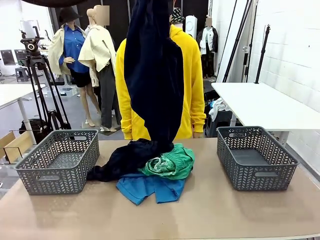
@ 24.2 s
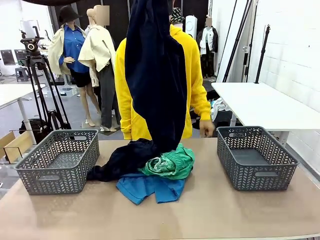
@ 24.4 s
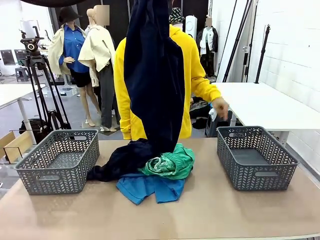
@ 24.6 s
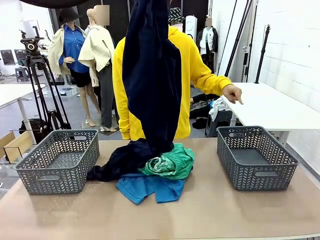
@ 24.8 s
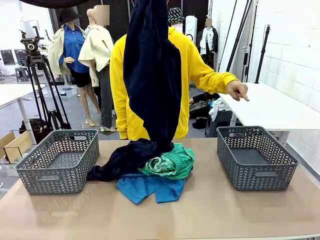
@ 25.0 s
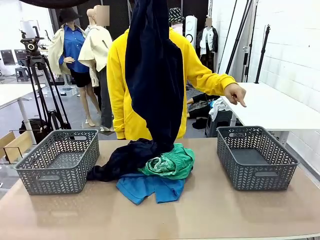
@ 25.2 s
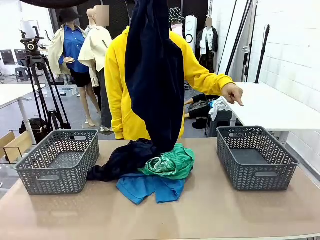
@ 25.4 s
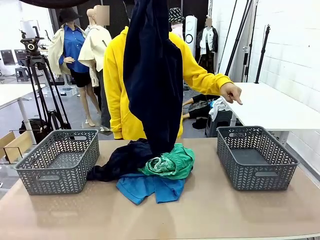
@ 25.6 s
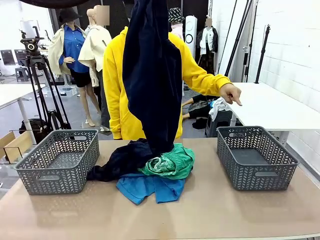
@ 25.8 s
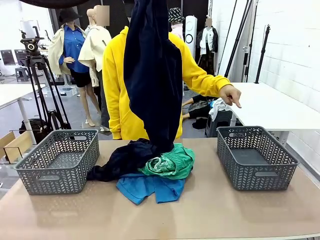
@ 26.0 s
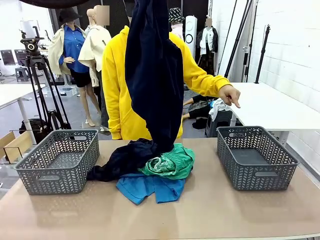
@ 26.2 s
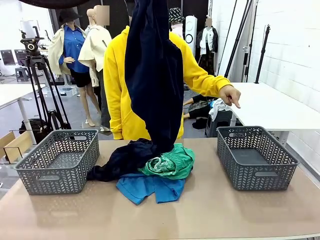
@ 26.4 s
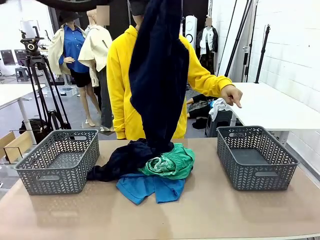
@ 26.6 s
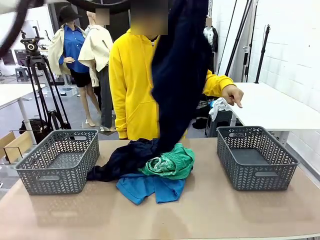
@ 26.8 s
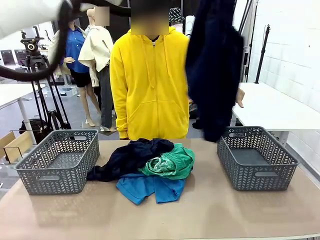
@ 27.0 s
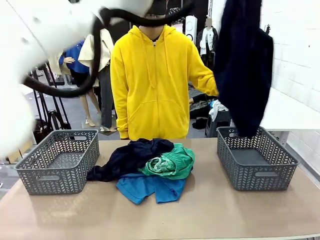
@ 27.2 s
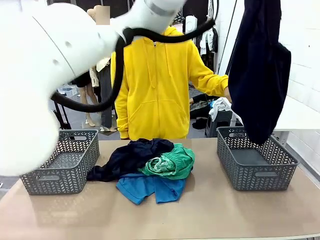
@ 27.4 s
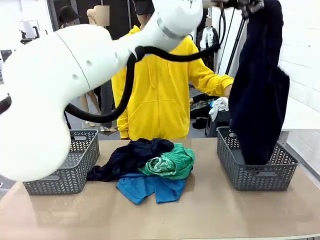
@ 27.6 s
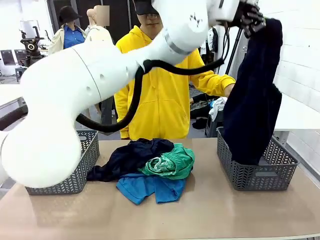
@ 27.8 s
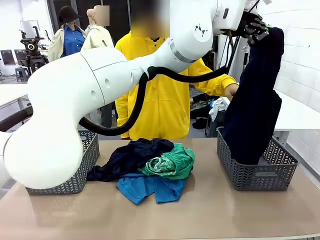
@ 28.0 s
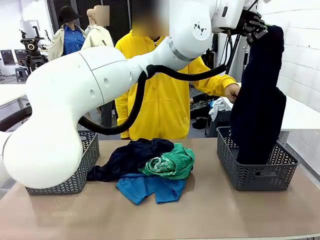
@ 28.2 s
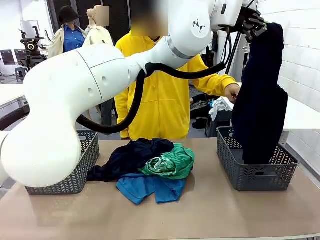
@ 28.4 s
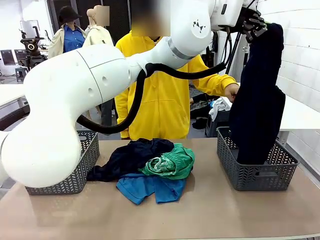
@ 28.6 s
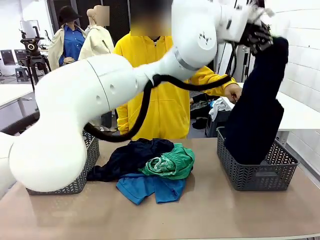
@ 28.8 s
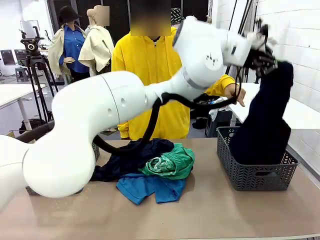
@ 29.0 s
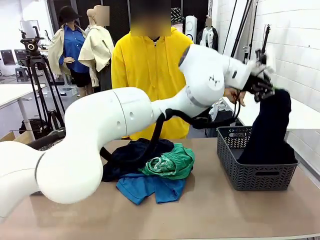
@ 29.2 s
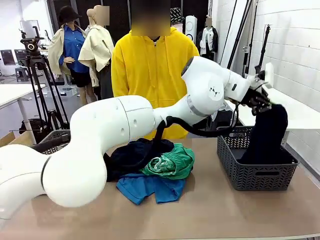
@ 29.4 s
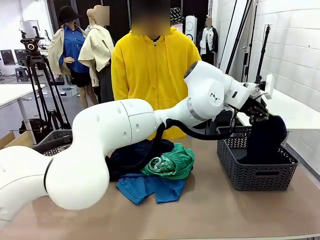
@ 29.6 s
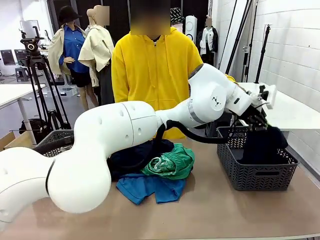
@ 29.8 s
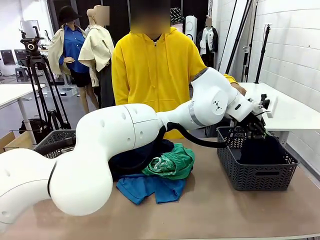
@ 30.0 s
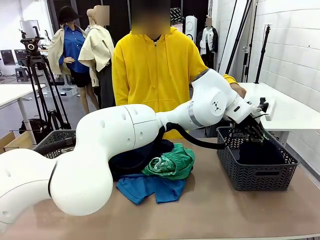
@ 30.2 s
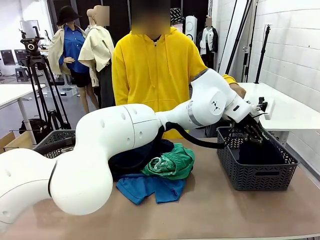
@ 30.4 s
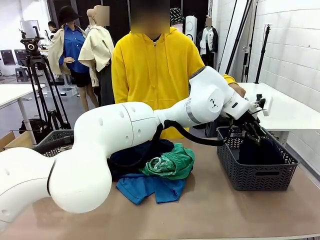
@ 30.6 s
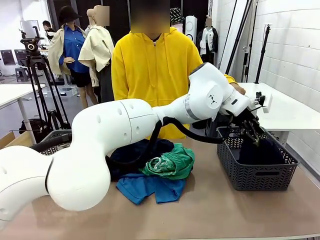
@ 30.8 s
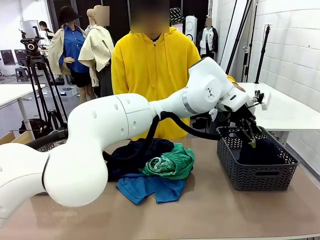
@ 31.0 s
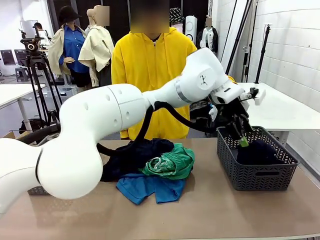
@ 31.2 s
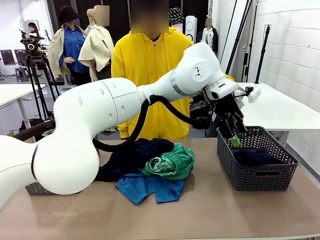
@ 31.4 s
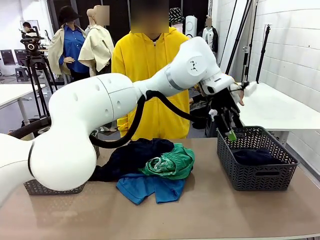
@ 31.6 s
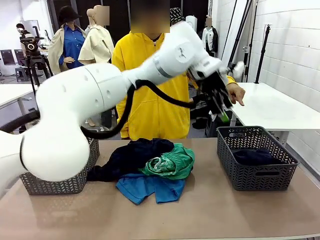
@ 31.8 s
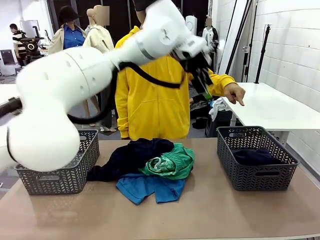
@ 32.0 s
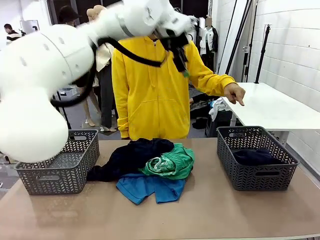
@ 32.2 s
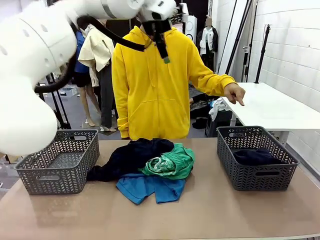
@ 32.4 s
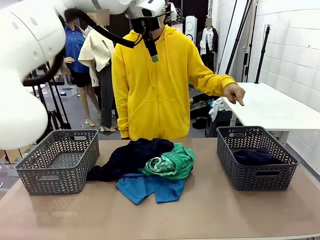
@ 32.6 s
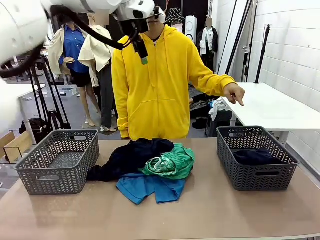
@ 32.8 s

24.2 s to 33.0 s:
Task: Sort the tops and bottoms.
Robot: Sort the clothes according to human instructions.

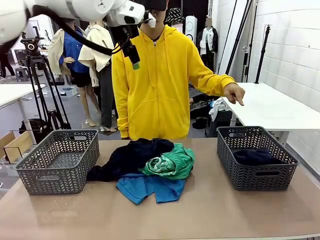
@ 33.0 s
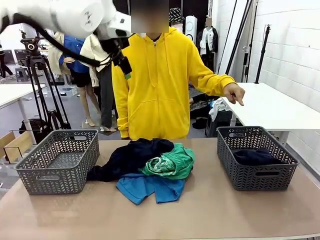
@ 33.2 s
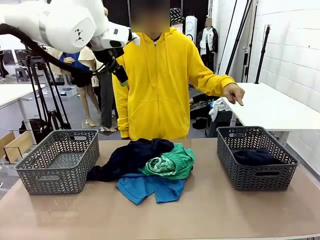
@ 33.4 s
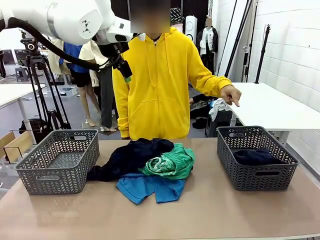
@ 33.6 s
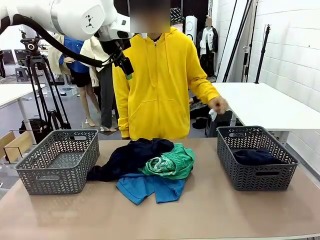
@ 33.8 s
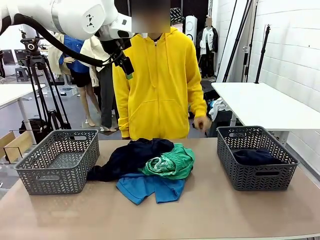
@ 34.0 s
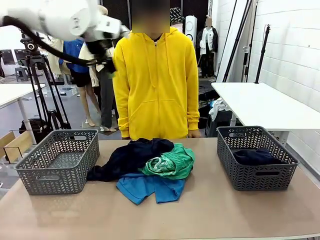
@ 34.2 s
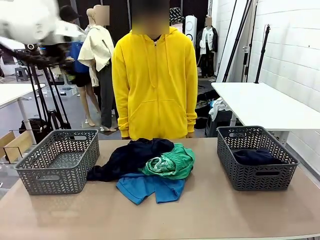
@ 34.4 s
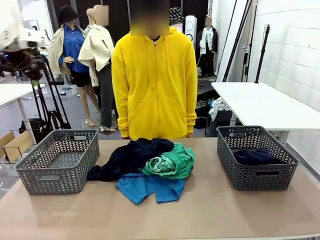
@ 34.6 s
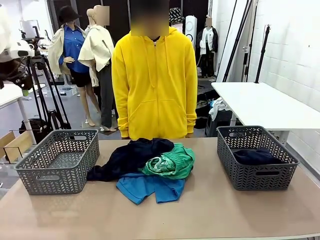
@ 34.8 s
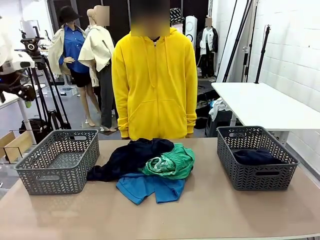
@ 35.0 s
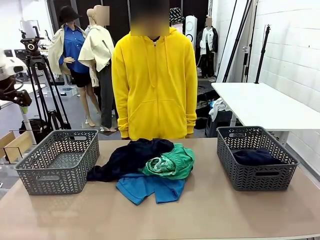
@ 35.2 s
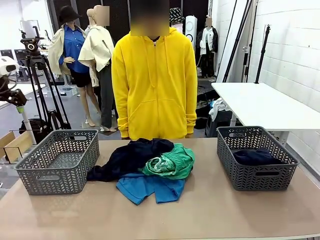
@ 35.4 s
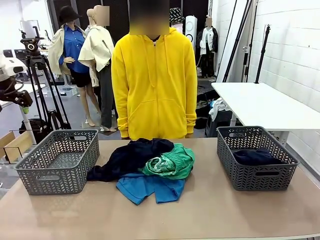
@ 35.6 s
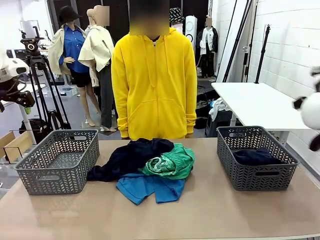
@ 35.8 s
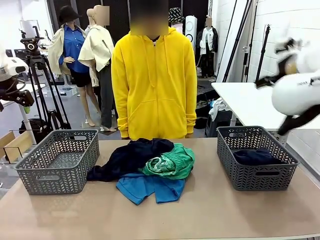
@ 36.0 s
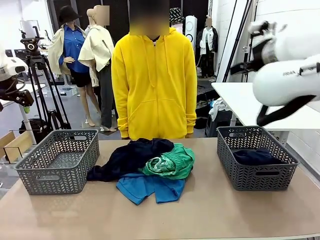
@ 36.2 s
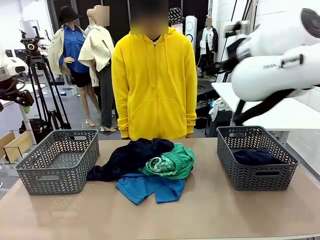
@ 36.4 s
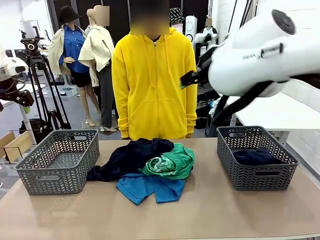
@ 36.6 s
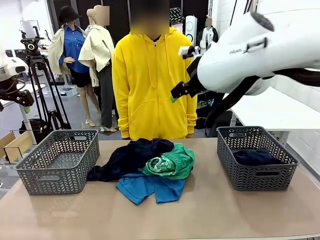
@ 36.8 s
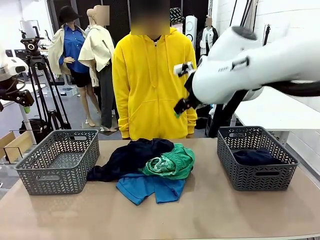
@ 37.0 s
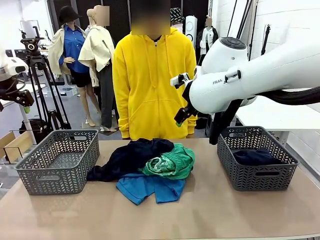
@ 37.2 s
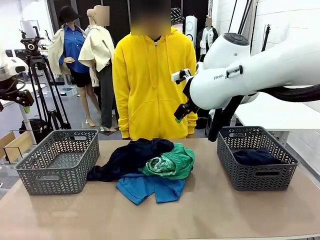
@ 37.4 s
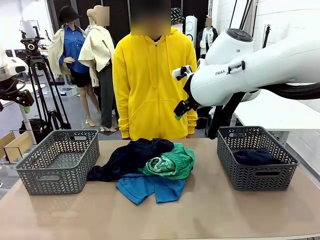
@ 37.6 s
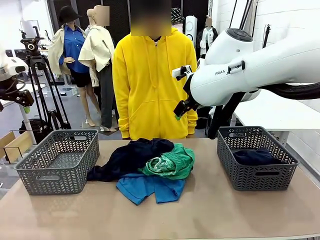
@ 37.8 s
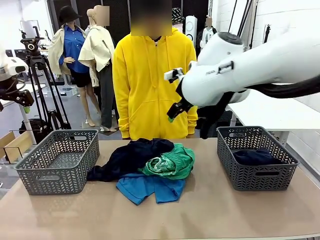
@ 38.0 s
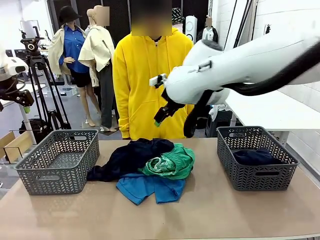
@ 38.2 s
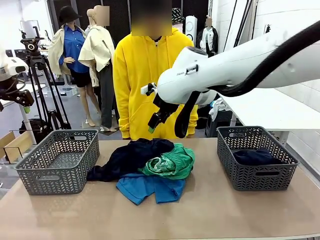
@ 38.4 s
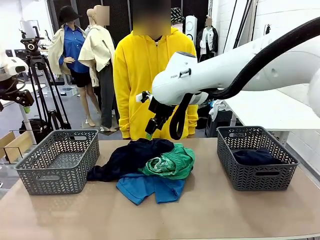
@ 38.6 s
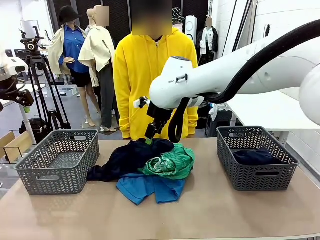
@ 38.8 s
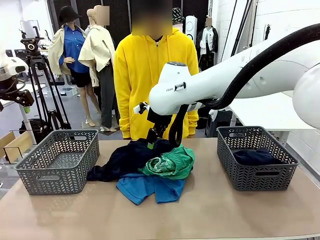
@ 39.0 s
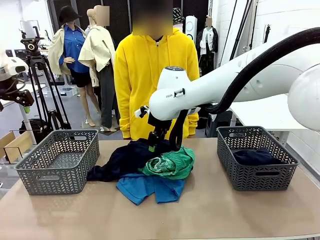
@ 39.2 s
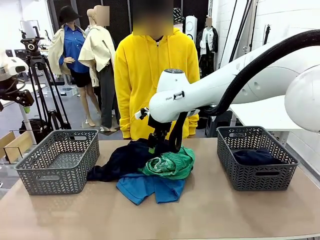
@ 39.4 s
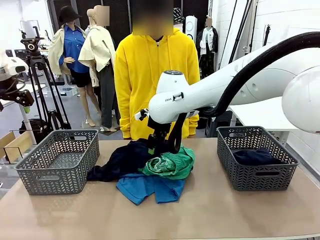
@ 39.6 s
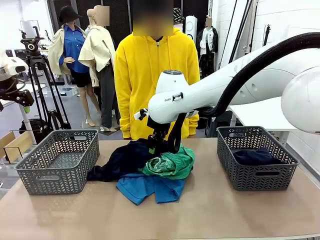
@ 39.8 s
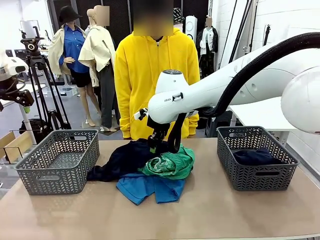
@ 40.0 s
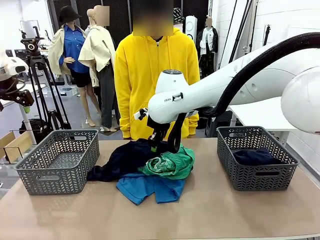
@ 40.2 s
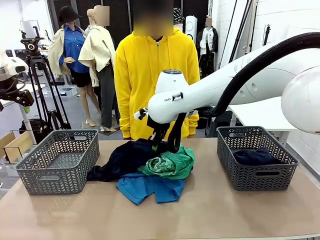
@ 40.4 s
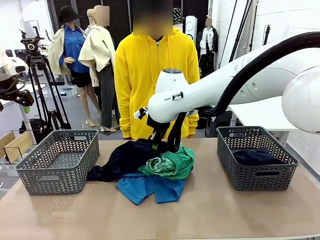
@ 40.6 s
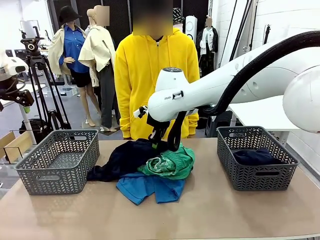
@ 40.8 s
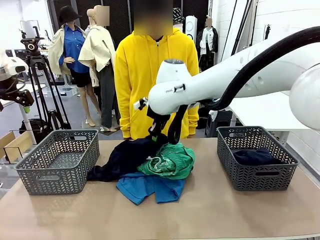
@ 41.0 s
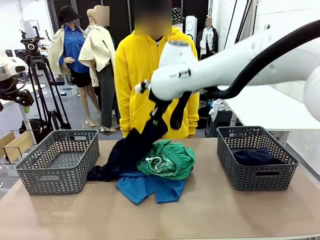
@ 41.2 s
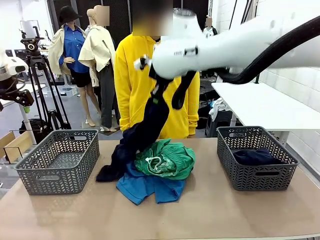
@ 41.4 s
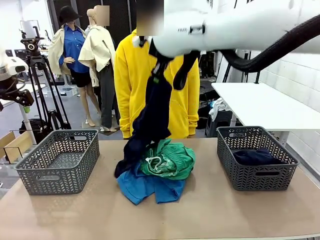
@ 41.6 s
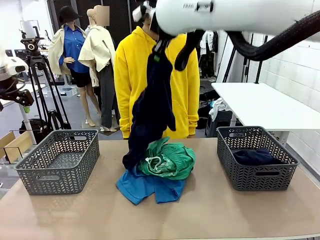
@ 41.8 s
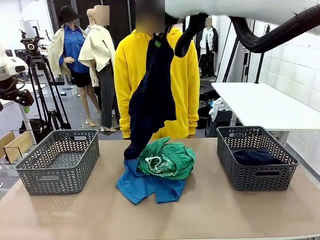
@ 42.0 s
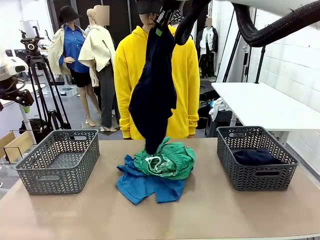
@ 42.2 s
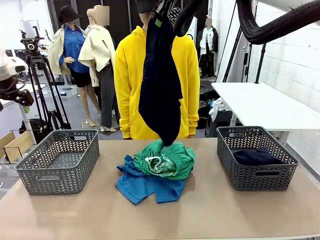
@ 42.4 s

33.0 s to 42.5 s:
Robot: Lift clothes from the center of the table with your right hand.
